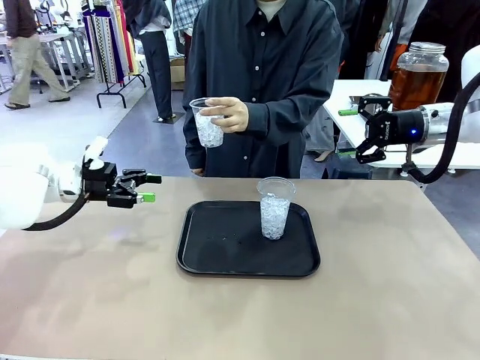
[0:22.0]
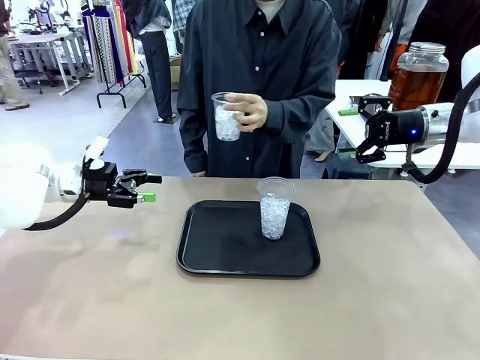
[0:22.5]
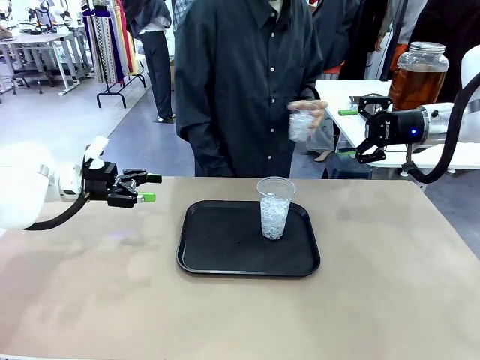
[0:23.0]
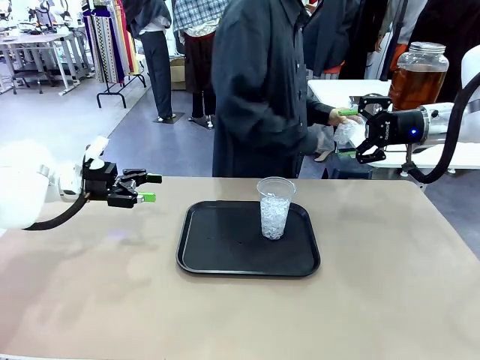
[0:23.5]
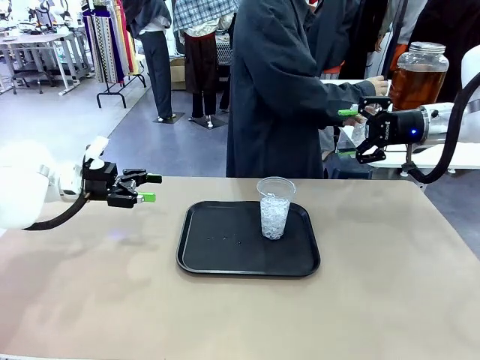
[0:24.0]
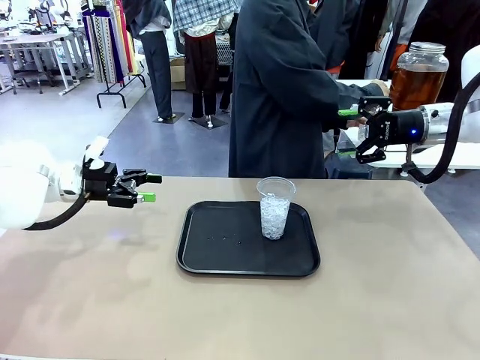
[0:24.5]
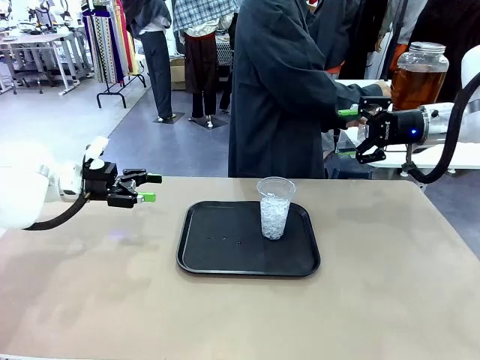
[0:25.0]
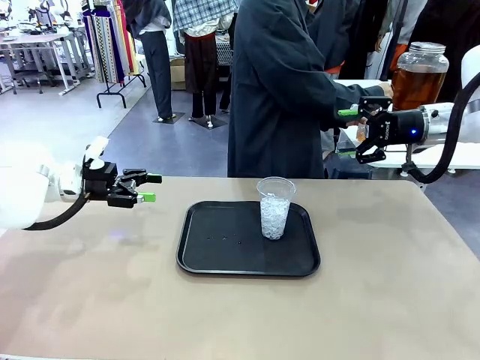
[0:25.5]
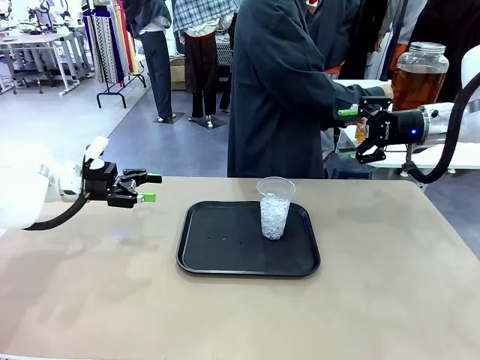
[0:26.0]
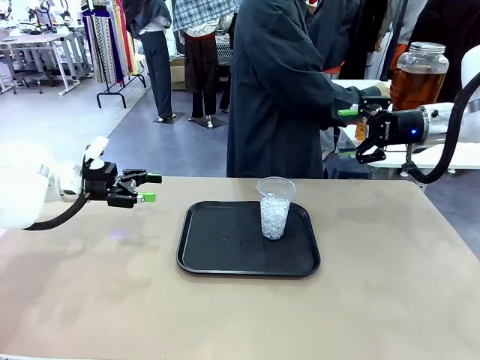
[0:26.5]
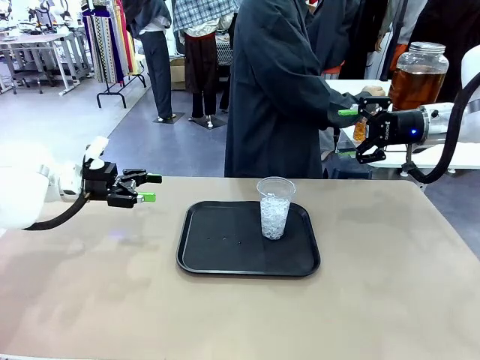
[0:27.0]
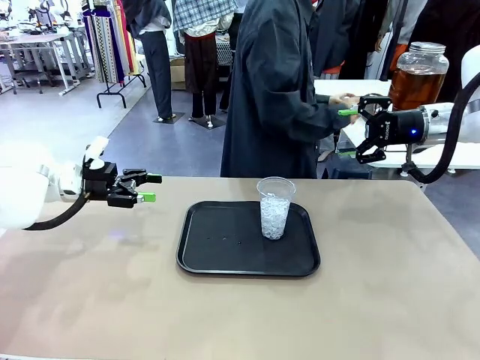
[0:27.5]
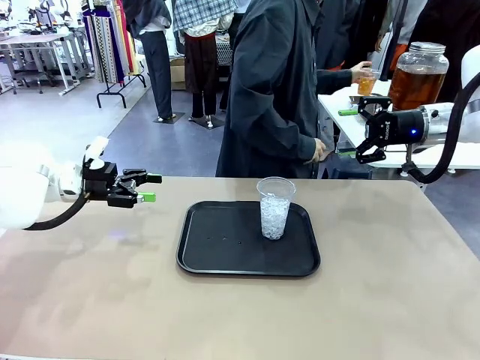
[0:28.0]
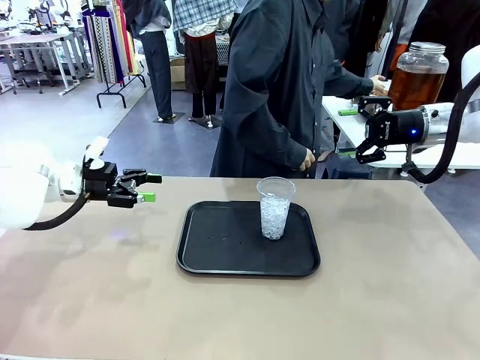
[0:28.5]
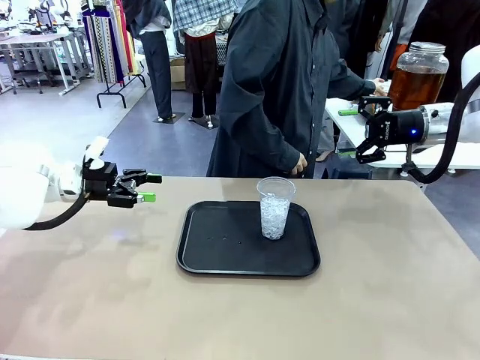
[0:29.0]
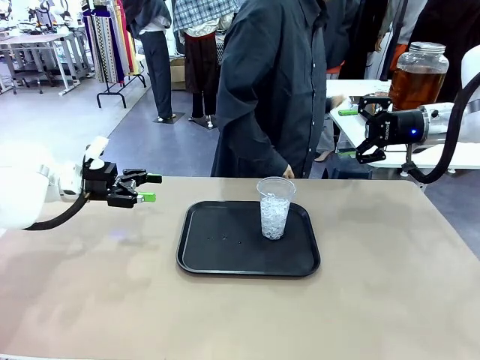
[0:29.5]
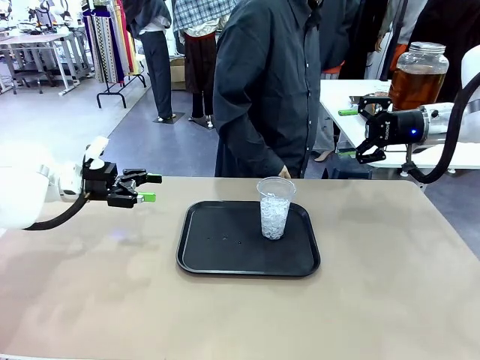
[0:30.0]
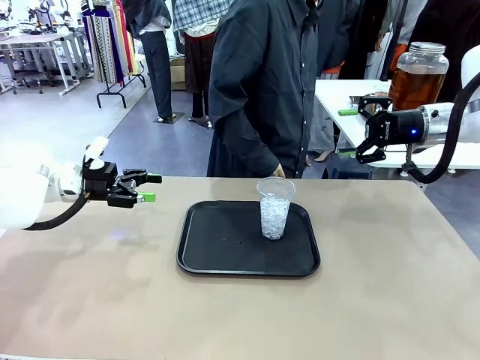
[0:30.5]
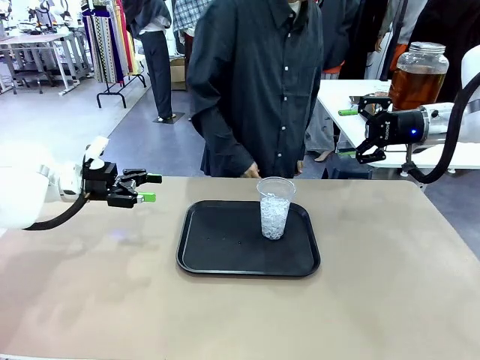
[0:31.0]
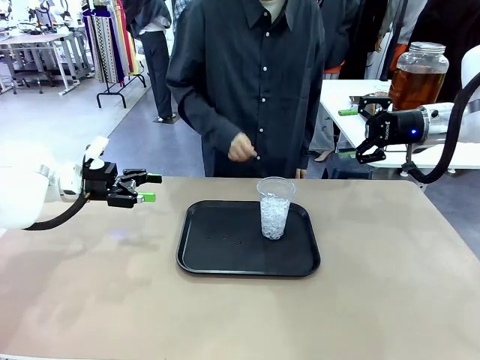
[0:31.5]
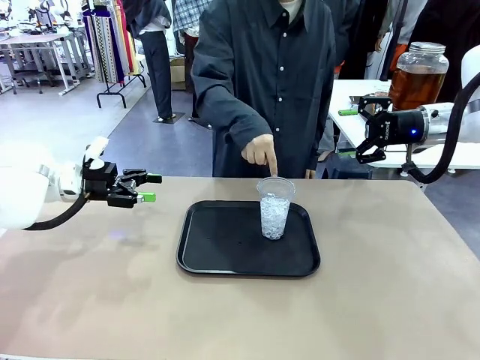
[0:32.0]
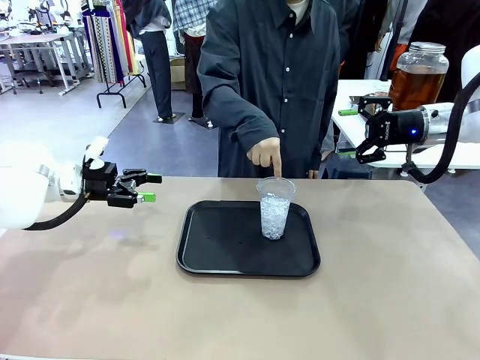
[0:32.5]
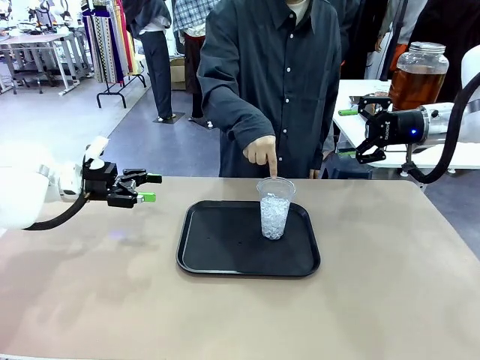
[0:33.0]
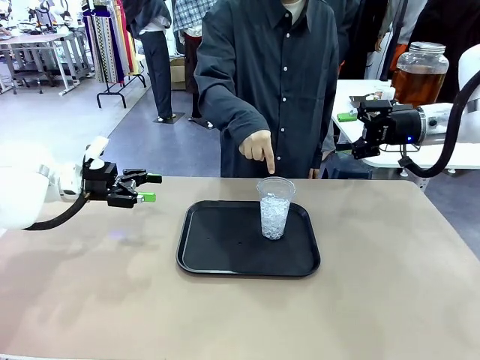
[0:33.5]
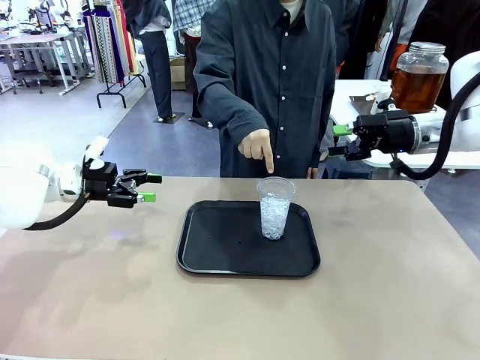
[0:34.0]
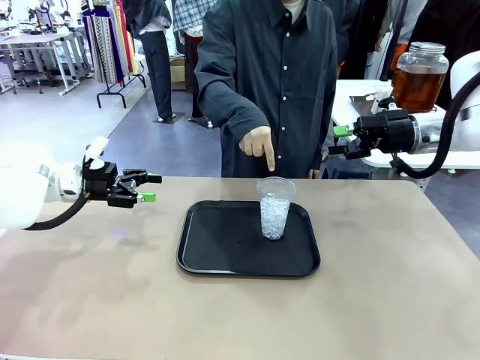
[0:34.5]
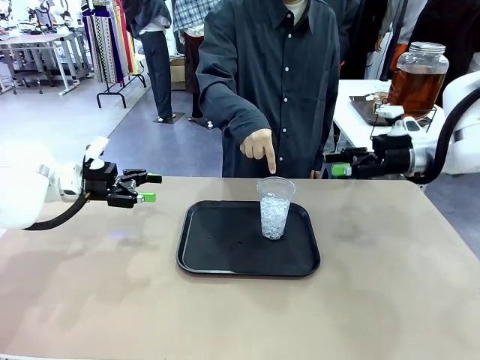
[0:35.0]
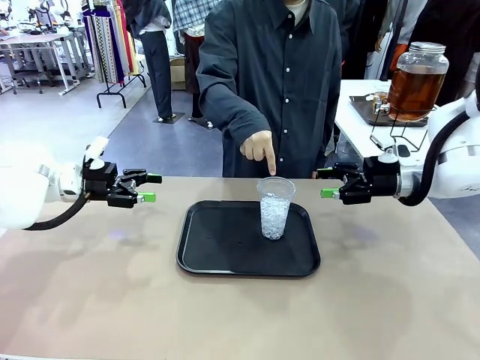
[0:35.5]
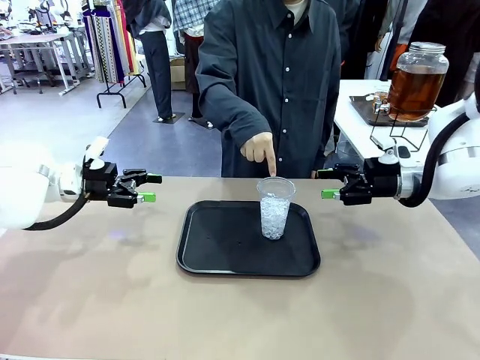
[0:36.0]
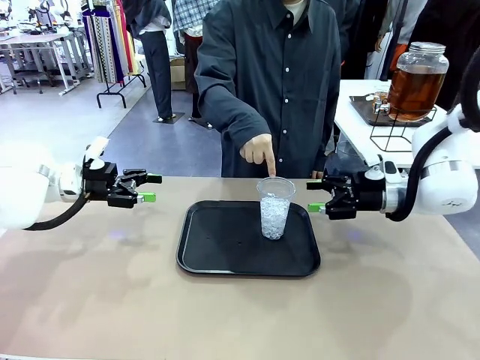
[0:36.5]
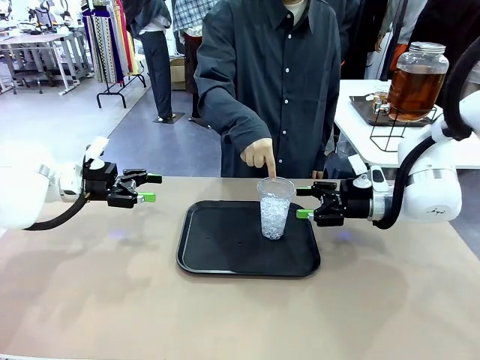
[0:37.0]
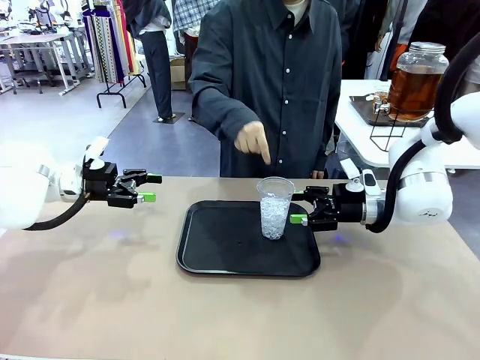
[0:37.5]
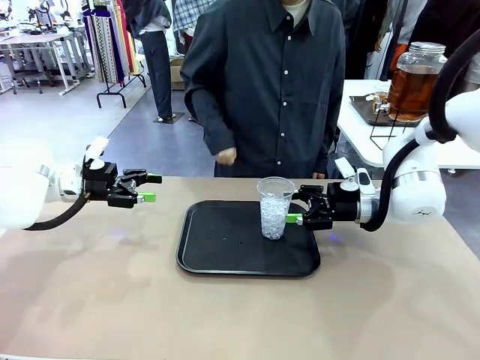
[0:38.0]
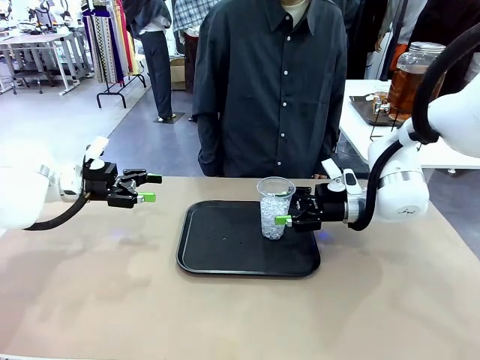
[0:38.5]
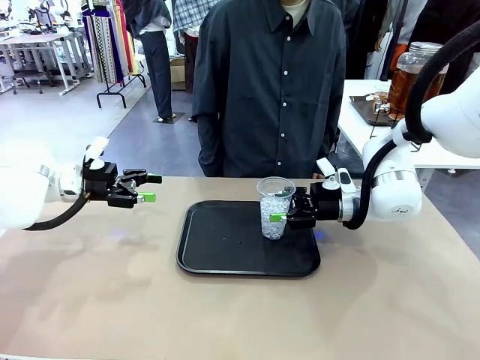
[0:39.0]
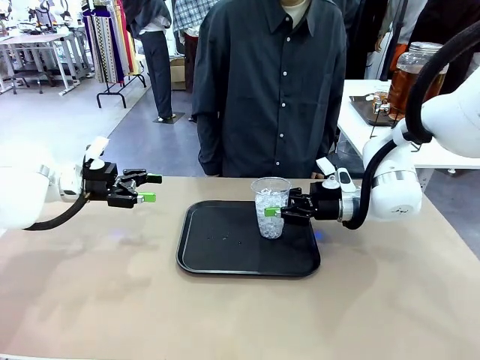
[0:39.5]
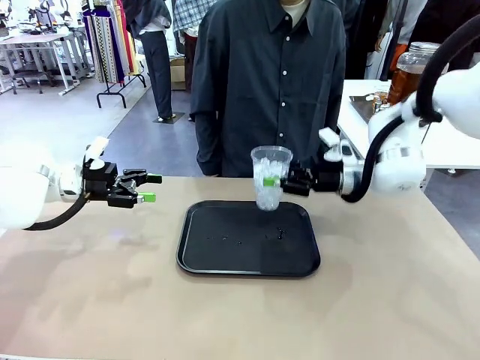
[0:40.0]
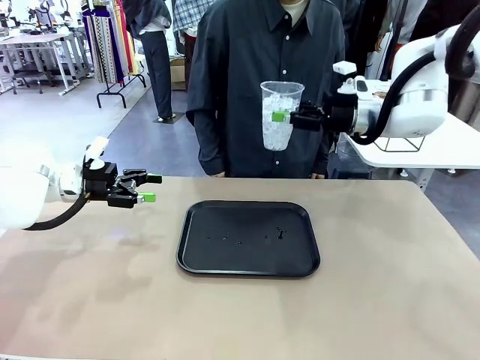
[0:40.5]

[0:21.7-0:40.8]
Task: Pour the drink into the iced cup.
Robot: Pick up the iced cup indicated by the human and present it to them.
Person: Move the picked-up cup under the dispenser faucet, pour the drink, and place it on the tray on the human table. Point to the remaining ice cup on the robot table. Pick up the cup offered by the robot.
